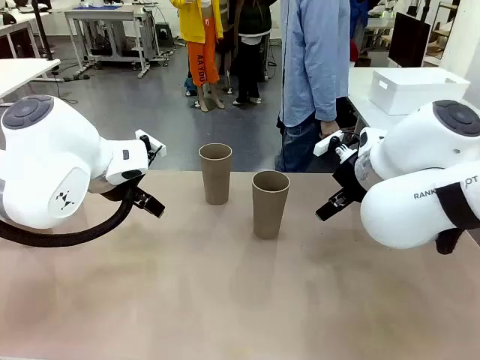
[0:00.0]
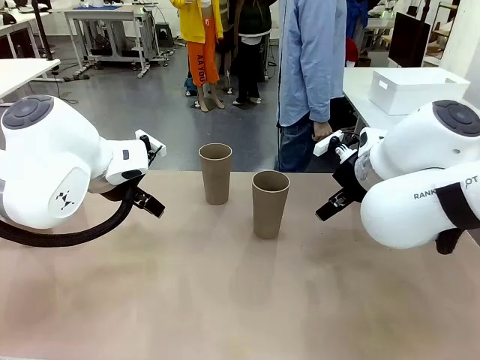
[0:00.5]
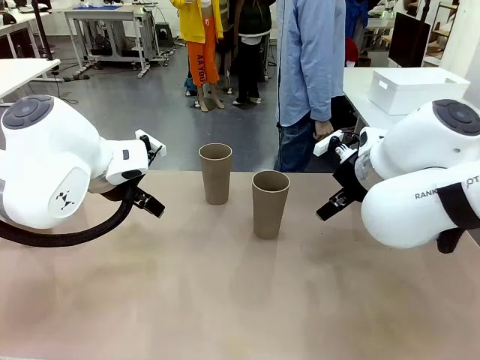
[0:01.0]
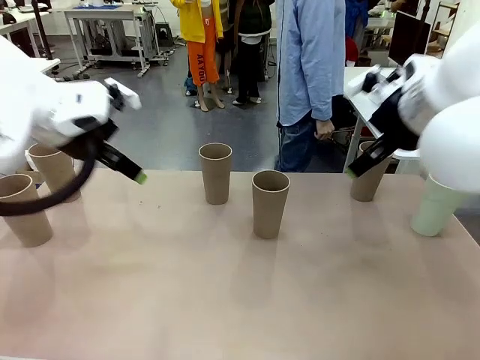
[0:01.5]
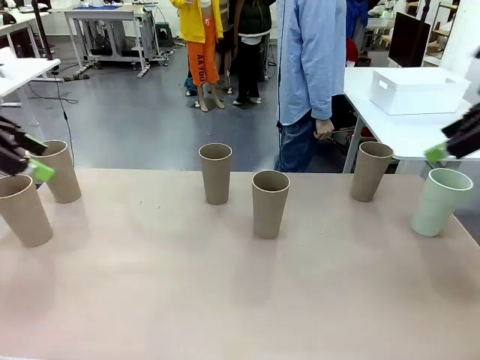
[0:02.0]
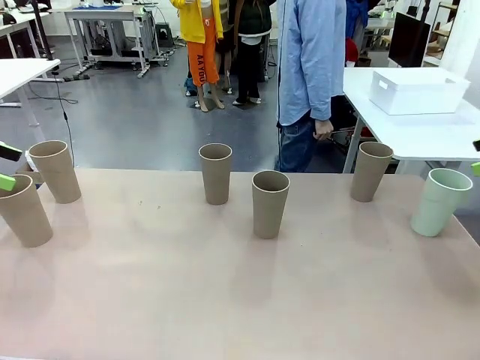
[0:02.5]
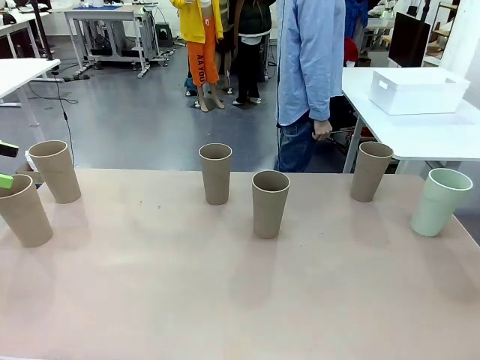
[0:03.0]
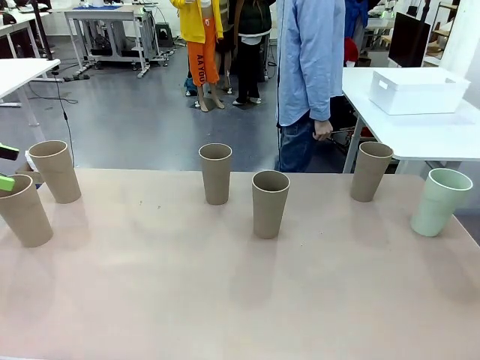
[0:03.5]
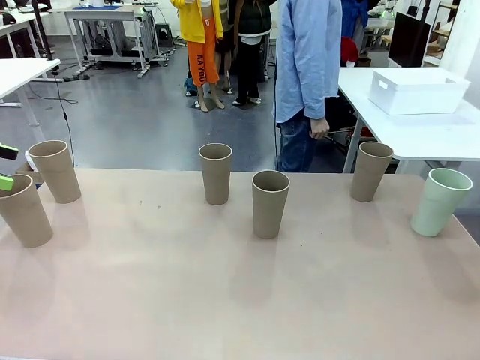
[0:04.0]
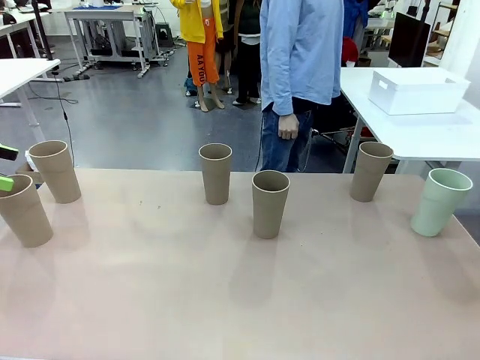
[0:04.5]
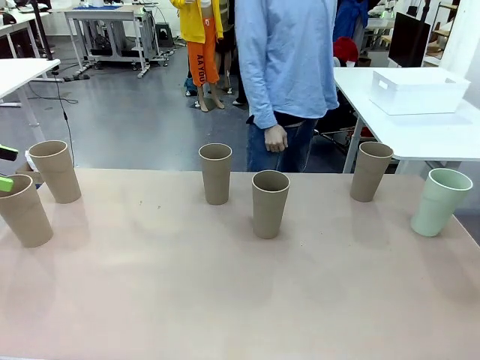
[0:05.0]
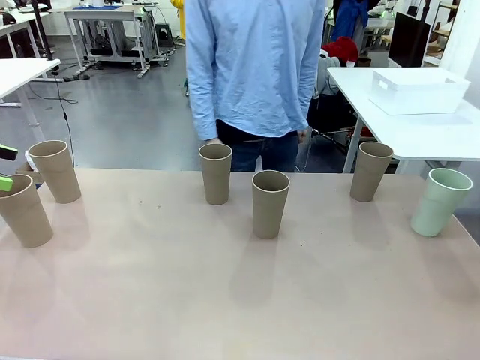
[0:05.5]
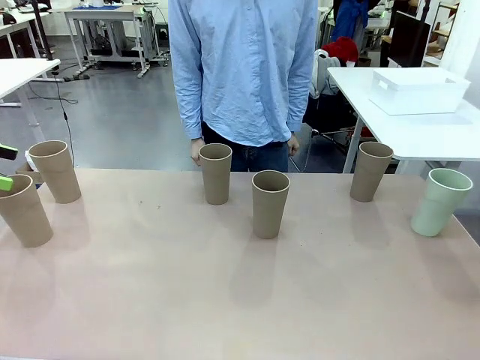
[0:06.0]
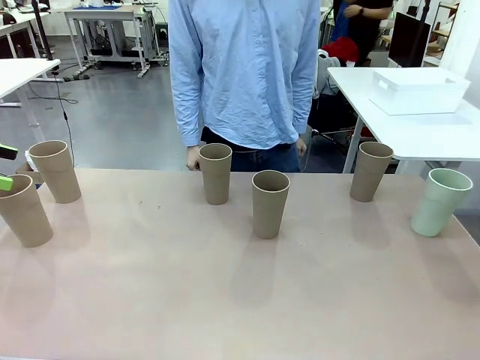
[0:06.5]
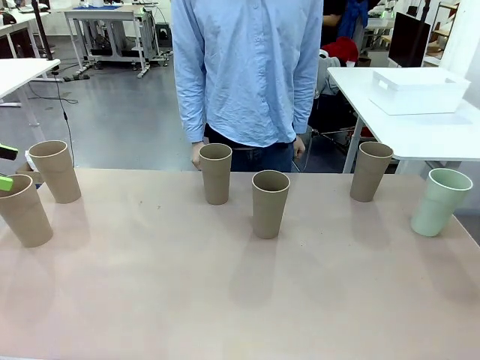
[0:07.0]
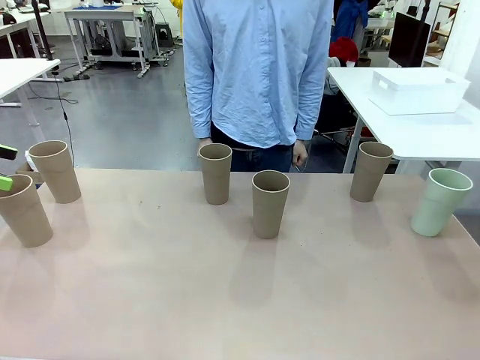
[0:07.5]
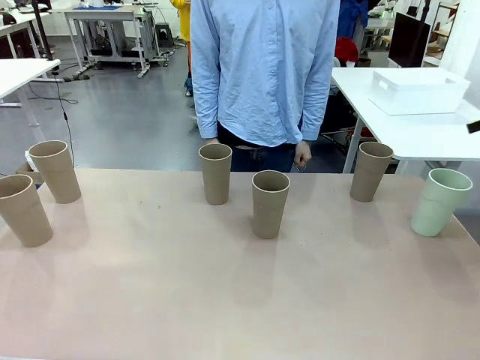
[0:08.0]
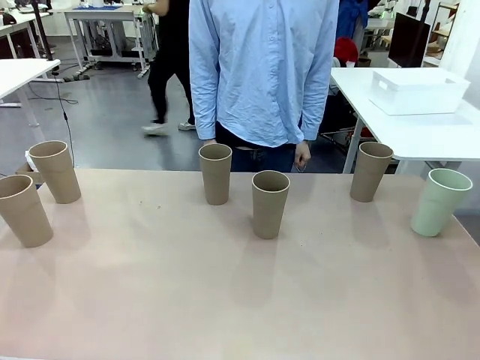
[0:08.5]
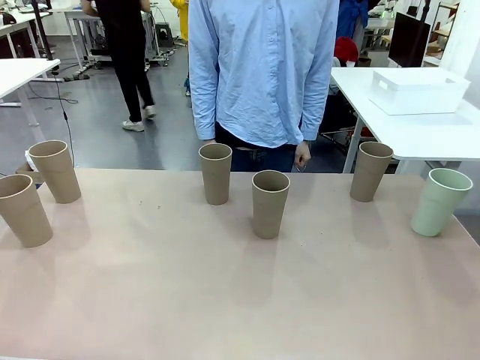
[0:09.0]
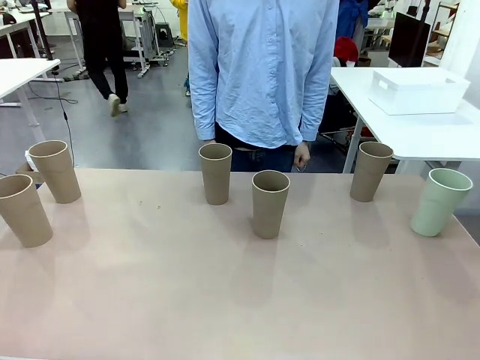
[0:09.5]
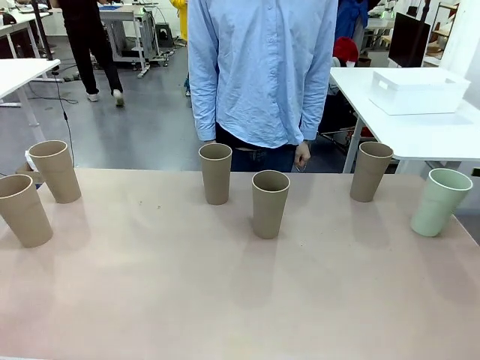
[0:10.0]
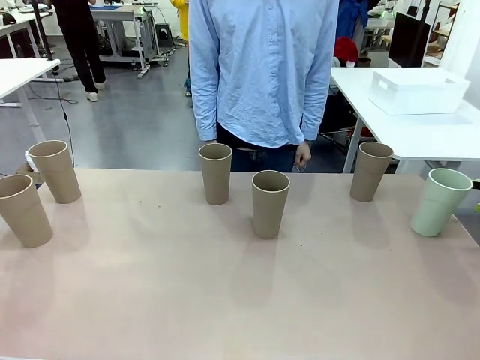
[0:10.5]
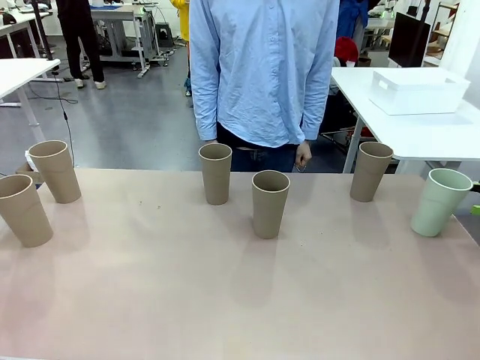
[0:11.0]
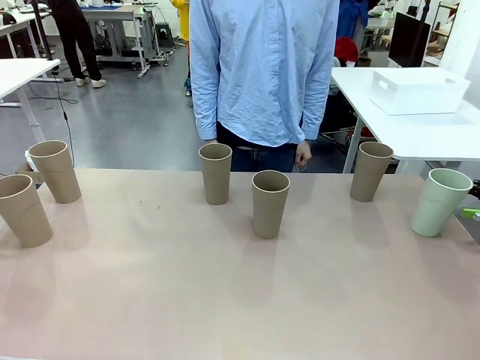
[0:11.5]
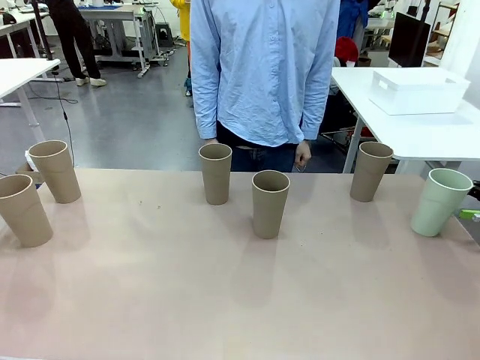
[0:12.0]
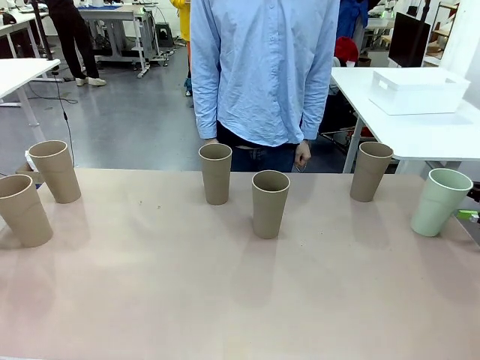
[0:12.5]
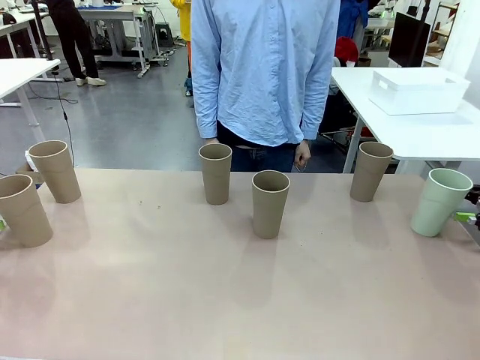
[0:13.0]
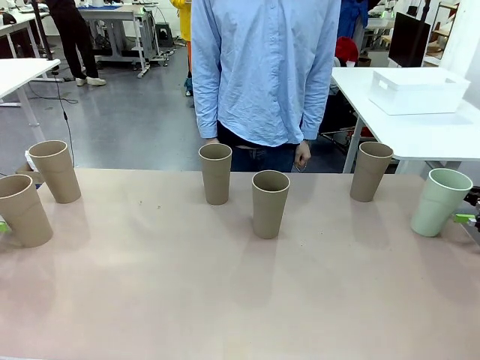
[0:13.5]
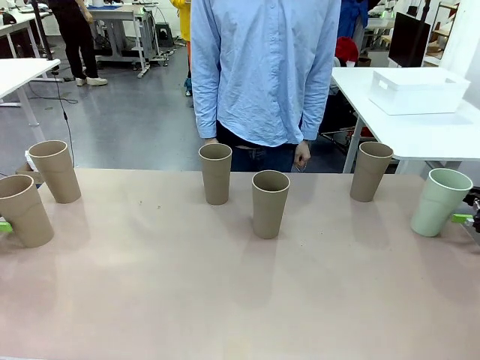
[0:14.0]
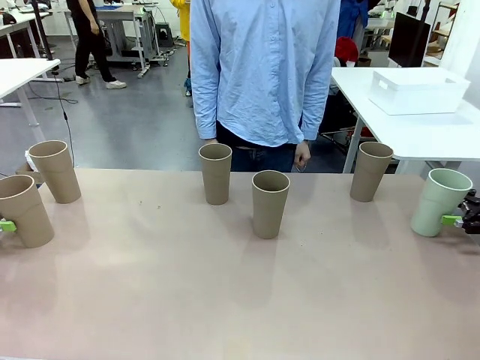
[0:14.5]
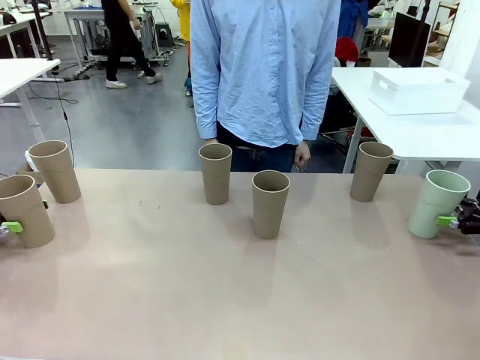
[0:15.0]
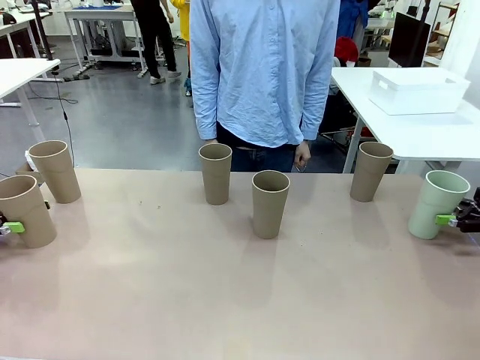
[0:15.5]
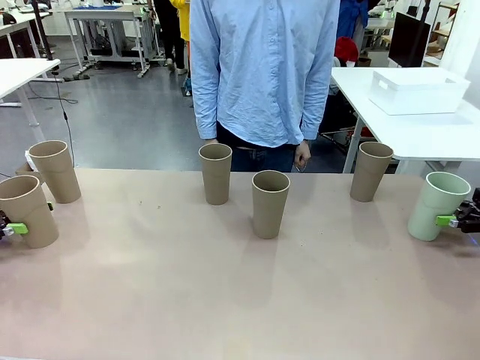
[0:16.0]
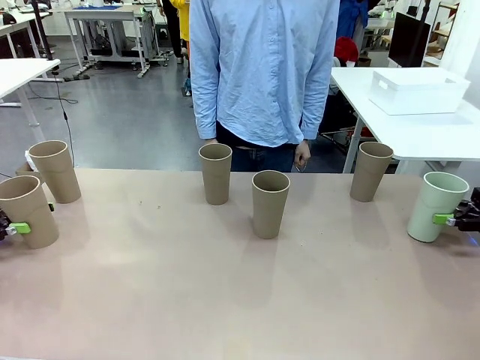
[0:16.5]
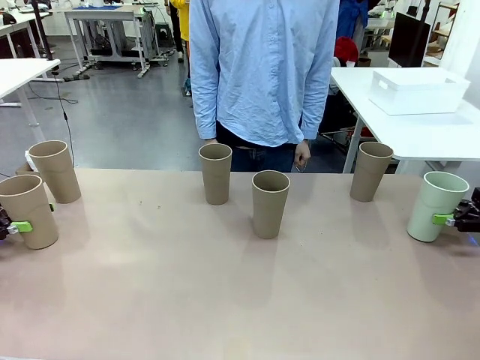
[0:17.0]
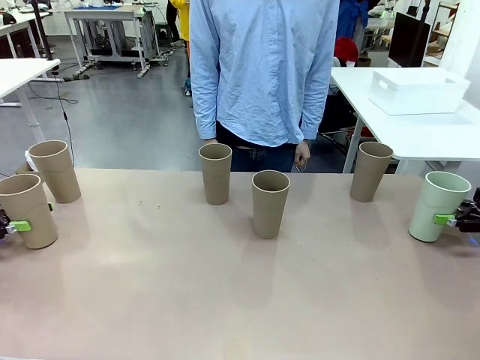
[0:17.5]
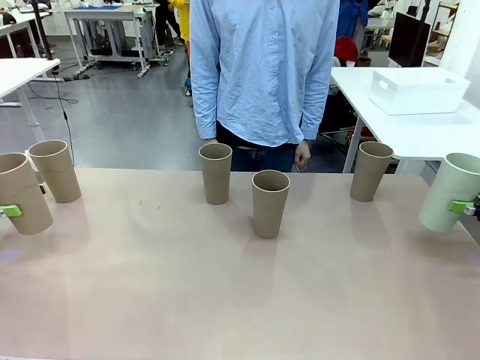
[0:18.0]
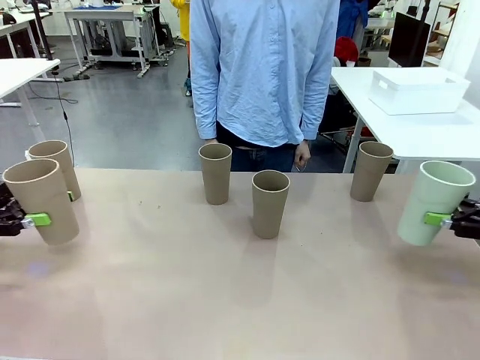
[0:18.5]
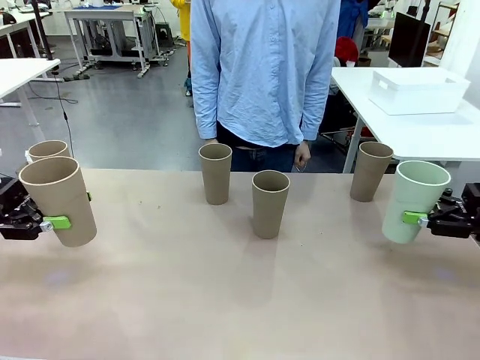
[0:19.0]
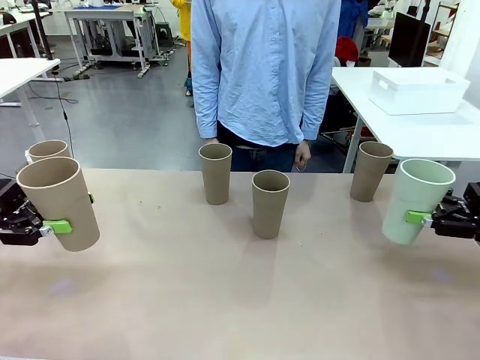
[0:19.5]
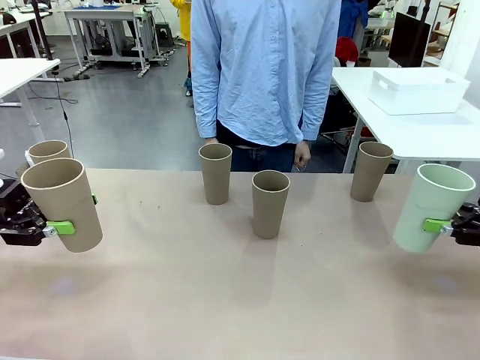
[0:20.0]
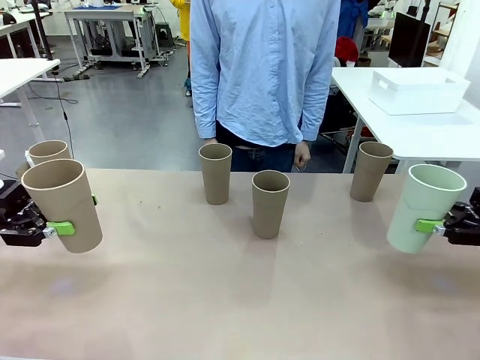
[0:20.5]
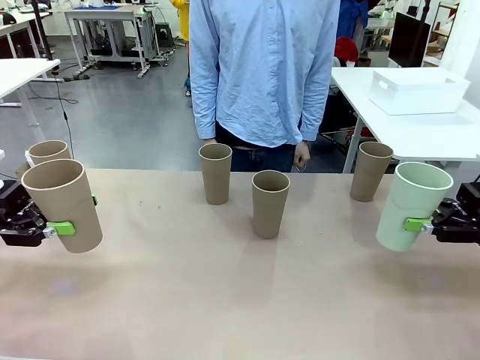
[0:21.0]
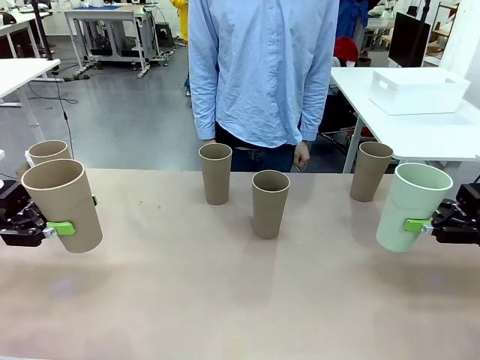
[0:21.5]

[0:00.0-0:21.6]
Task: Stack the cups and store them in the basket.
Robot: Pick up two Reusable plastic cups , one in each hand.
Person: Move from the Human Table to the front of the Robot Table. Stack two of the remaining cups on top of each cup held by the robot.
